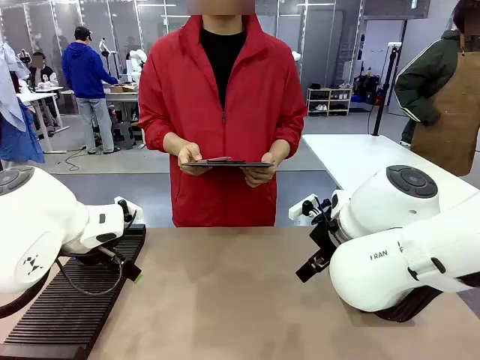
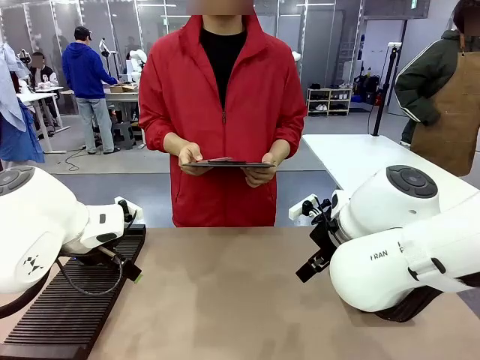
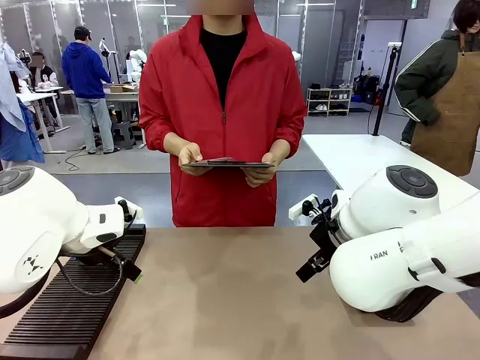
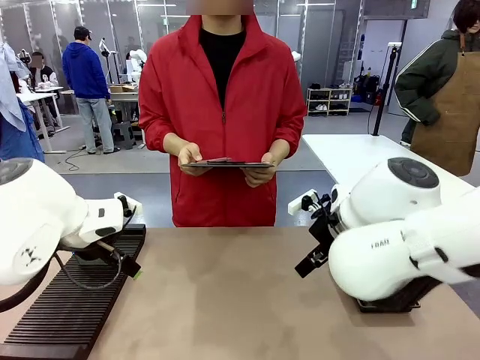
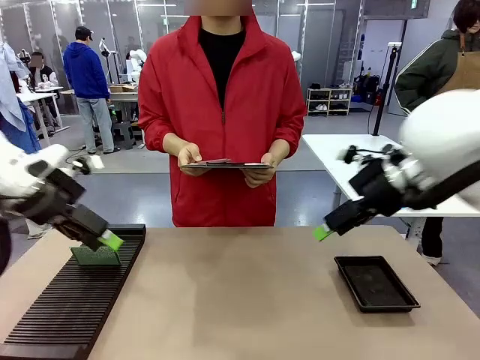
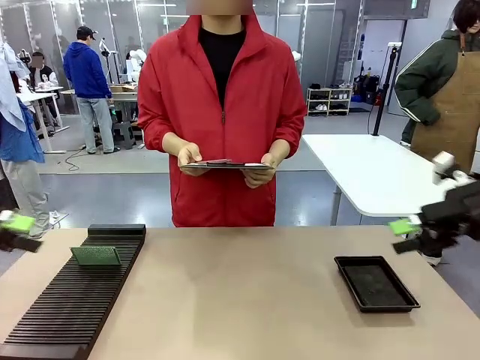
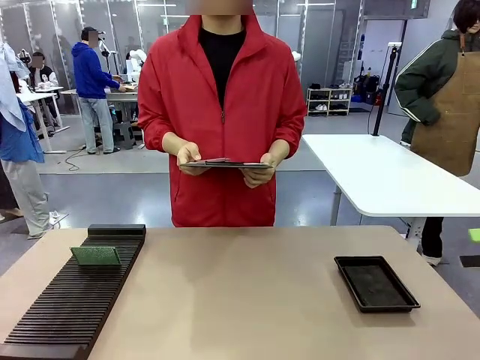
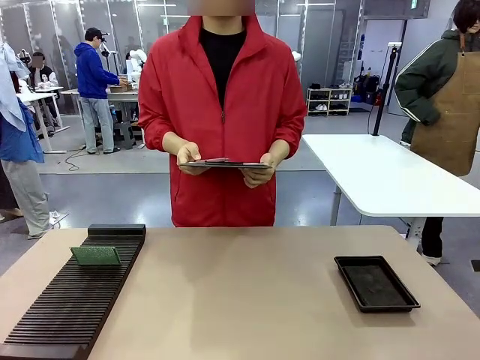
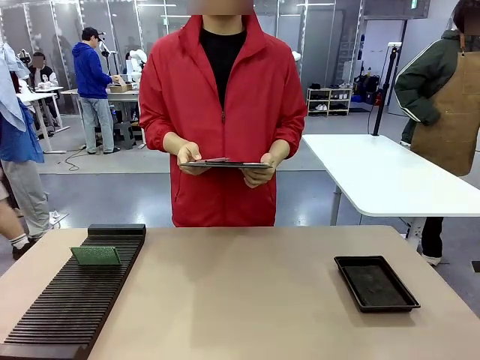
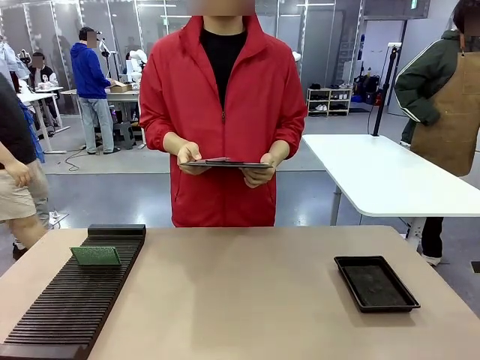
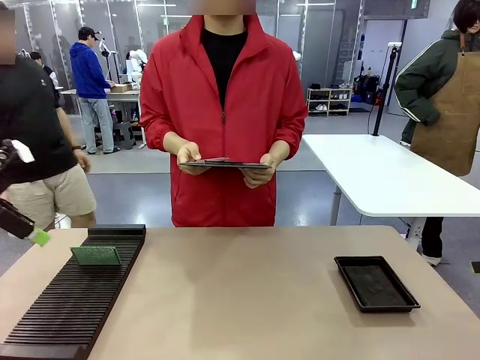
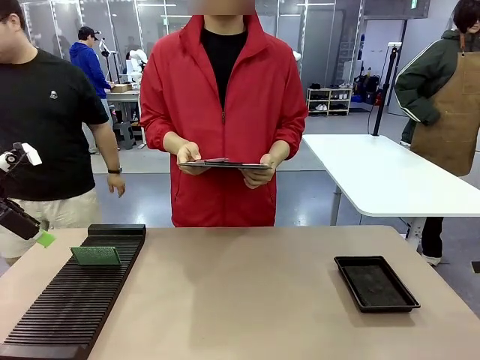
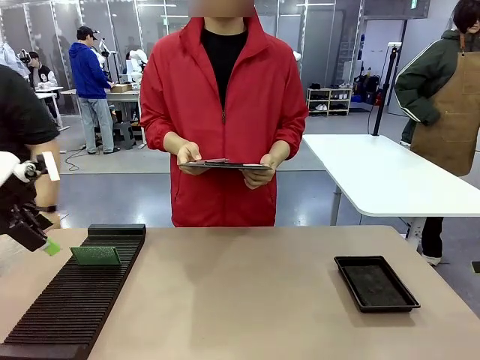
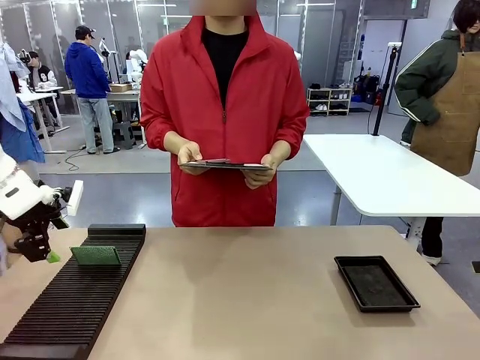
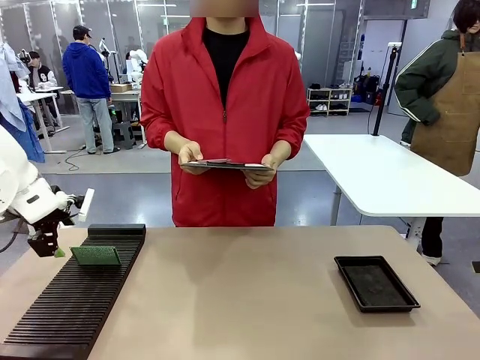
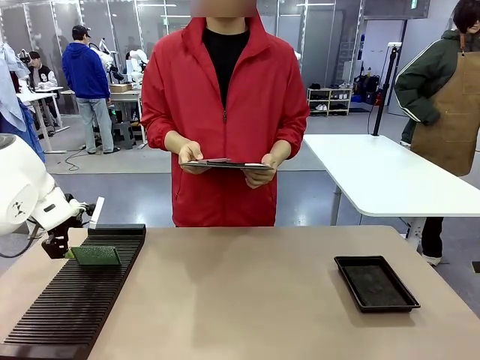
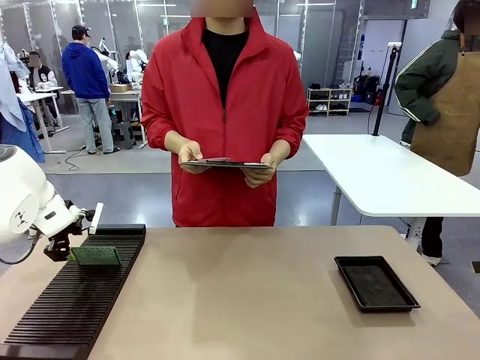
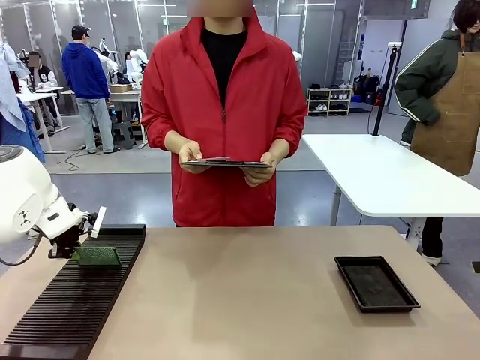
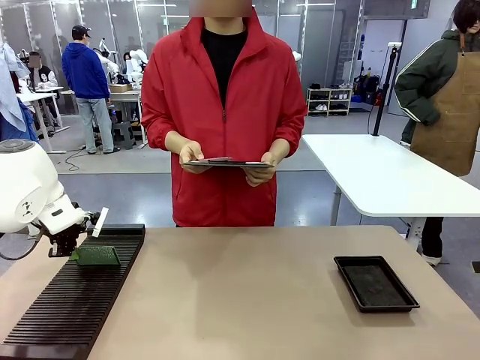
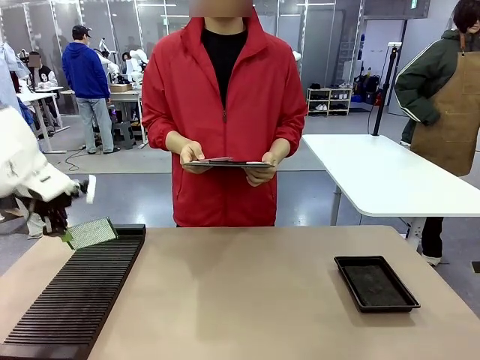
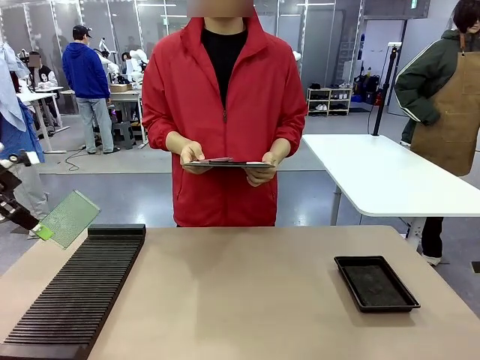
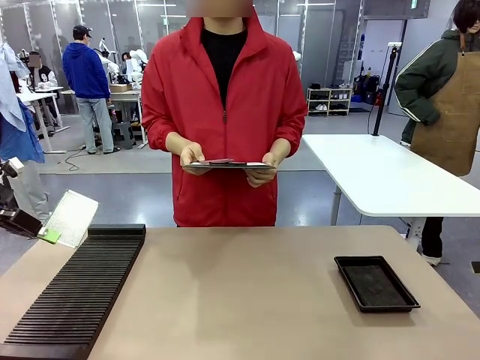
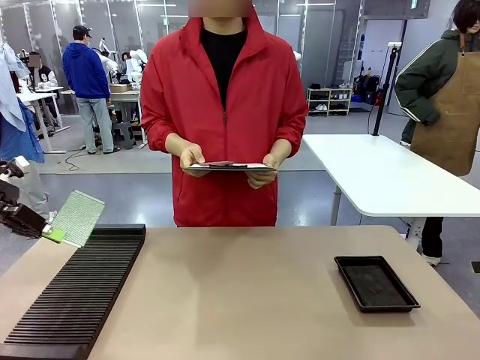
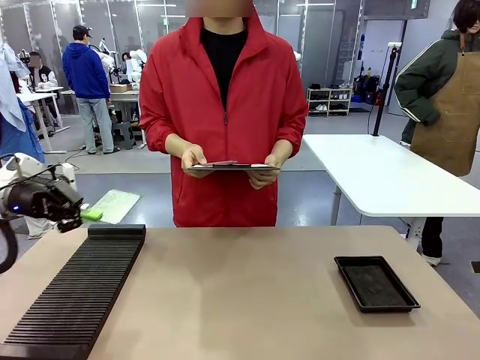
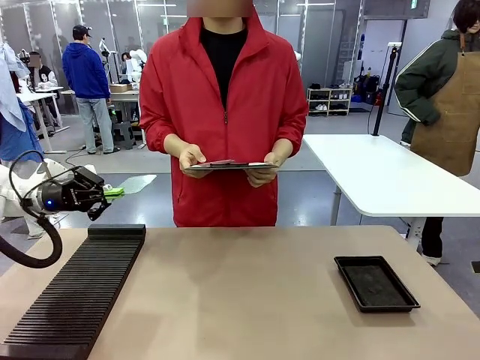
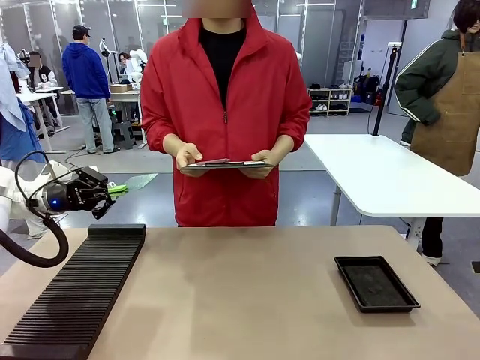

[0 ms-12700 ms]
Task: Inspect the PCB.
Robot: Pick up the Blank PCB and present it to the human.
Person: Pick up the PCB presented by the robot.

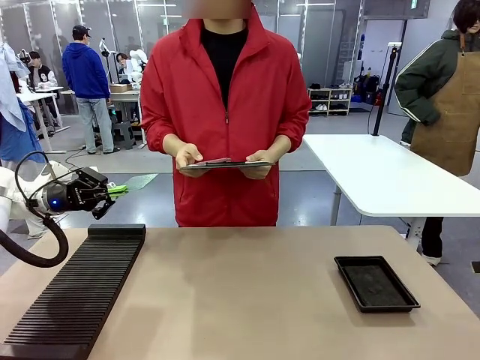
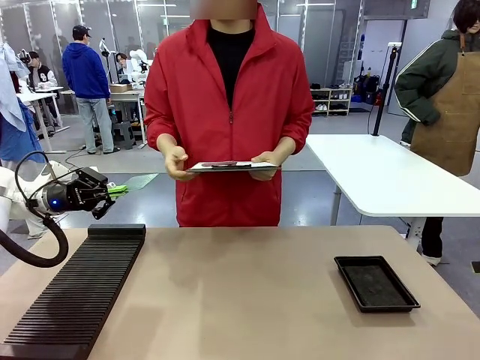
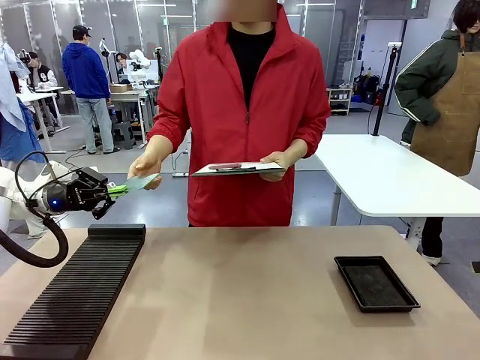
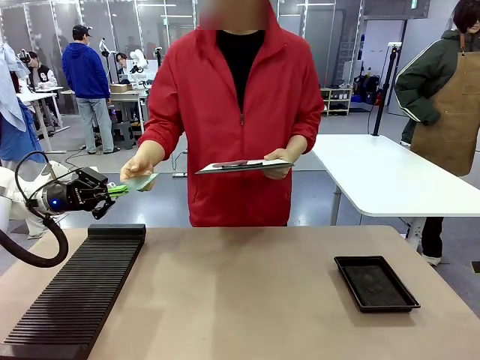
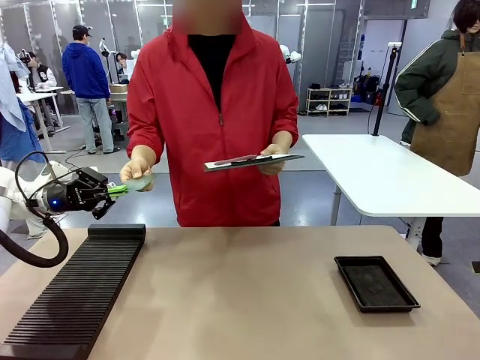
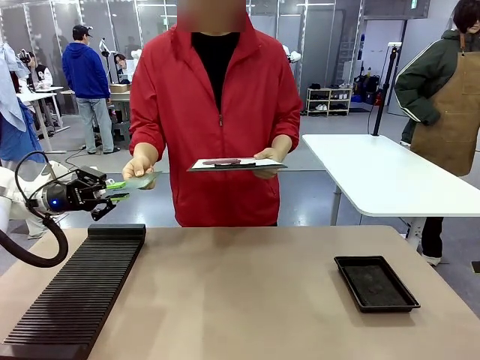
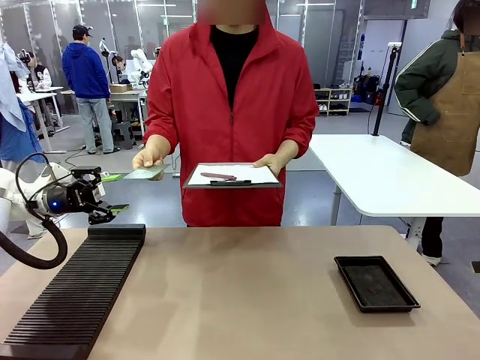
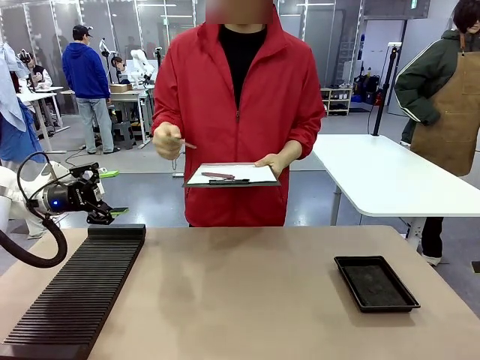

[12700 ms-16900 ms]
Robot: Release the Blank PCB you were holding.

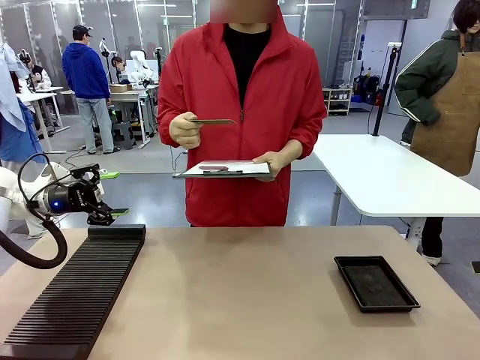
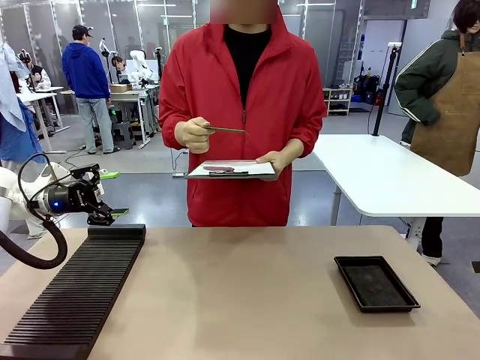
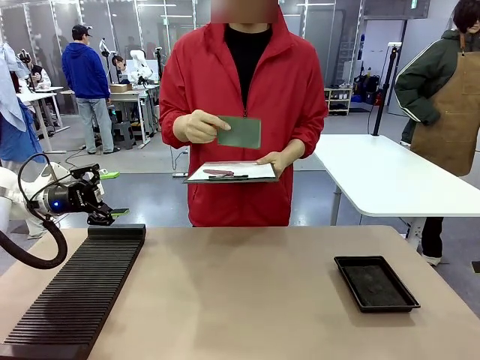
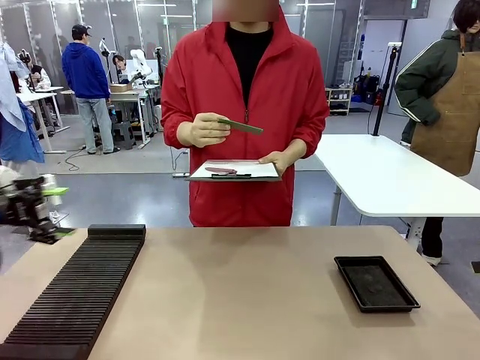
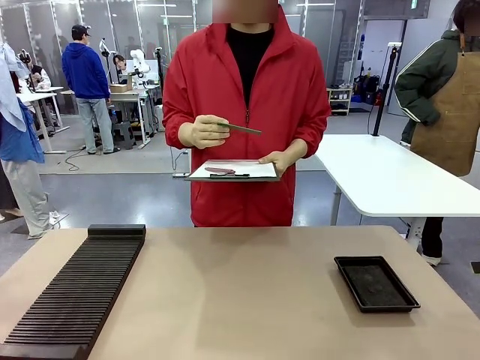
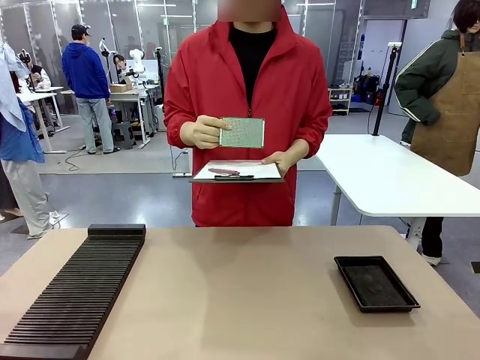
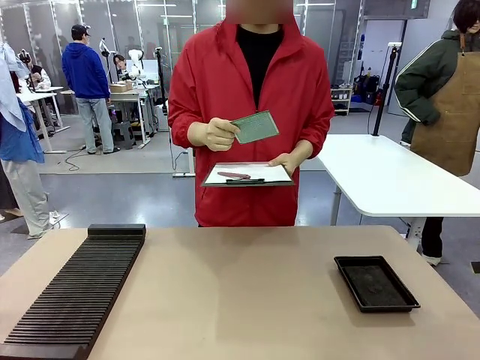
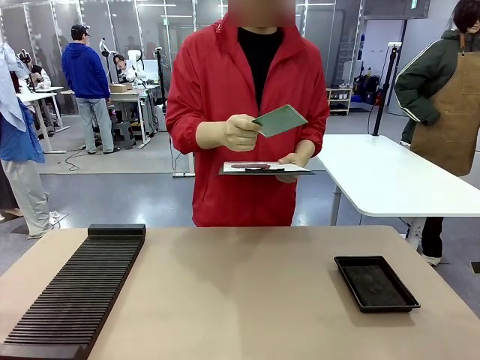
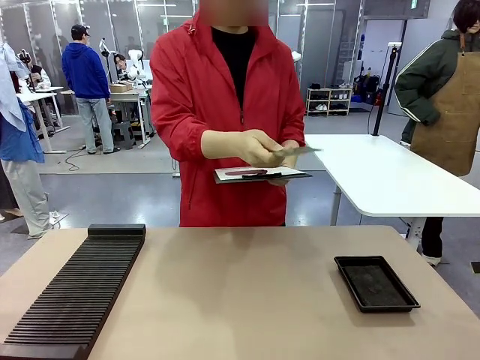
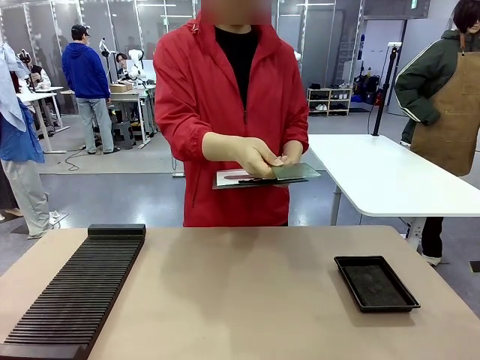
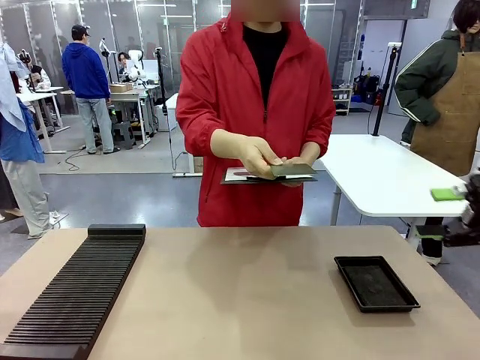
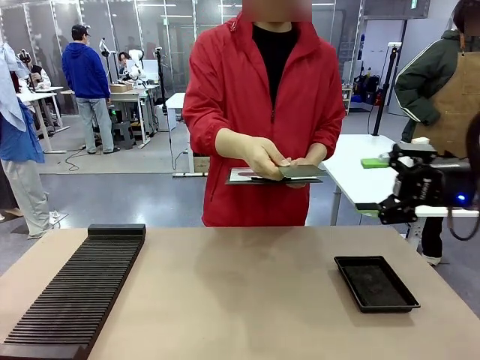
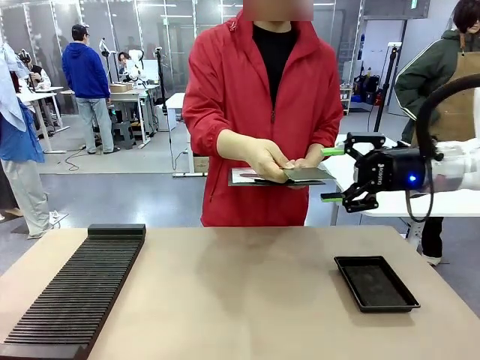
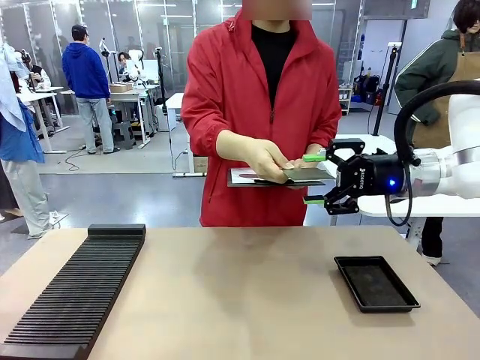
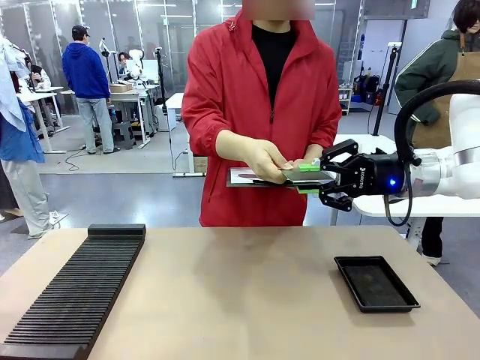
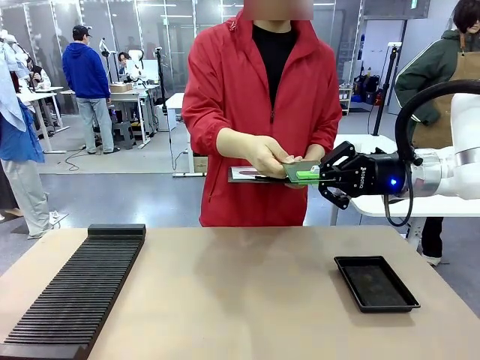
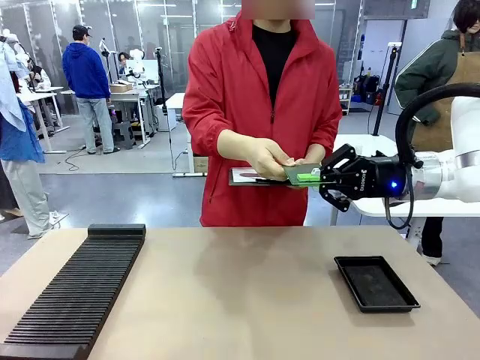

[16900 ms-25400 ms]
Robot: Pick up the Blank PCB that the human is holding.
Person: Inspect the PCB placed by the robot, then hold it out in front of the robot. Release the PCB you were holding.
